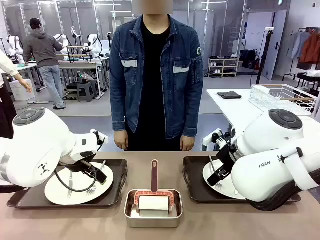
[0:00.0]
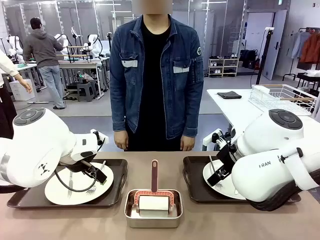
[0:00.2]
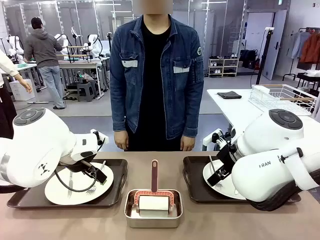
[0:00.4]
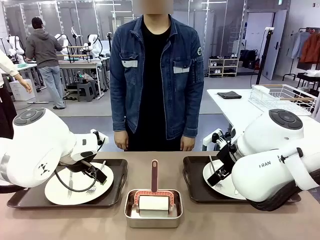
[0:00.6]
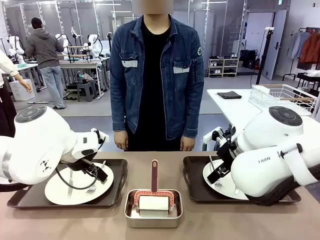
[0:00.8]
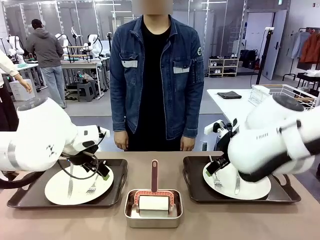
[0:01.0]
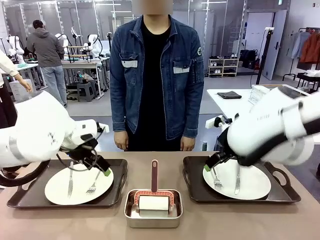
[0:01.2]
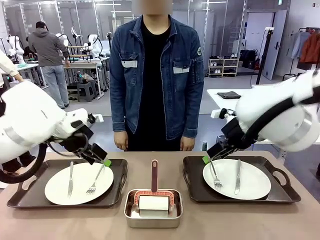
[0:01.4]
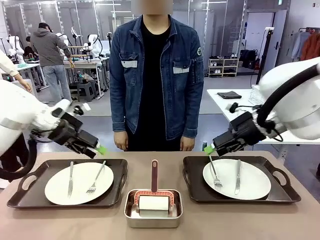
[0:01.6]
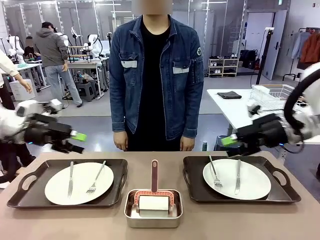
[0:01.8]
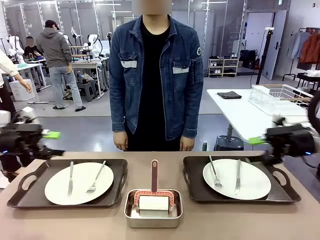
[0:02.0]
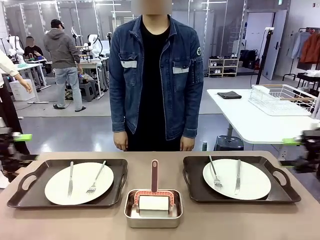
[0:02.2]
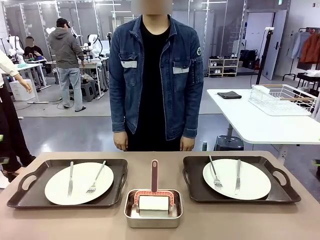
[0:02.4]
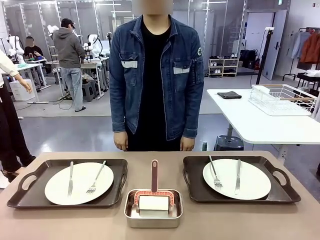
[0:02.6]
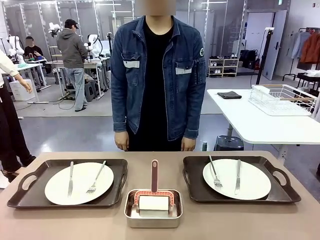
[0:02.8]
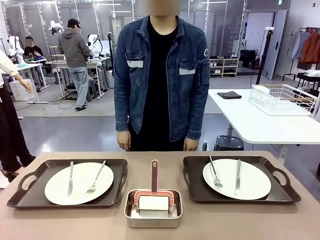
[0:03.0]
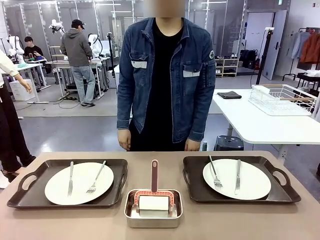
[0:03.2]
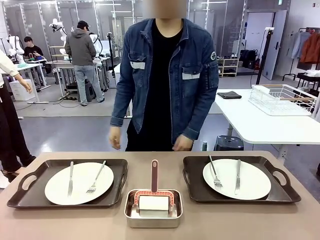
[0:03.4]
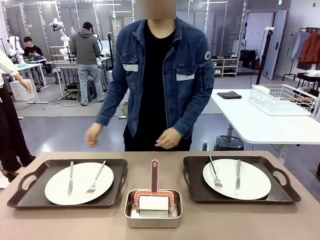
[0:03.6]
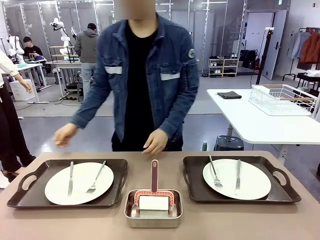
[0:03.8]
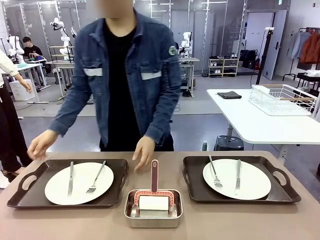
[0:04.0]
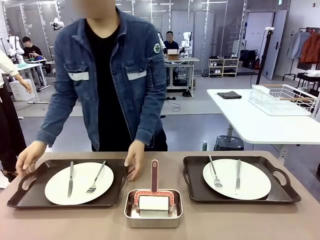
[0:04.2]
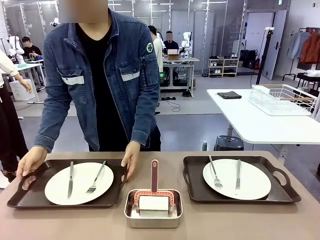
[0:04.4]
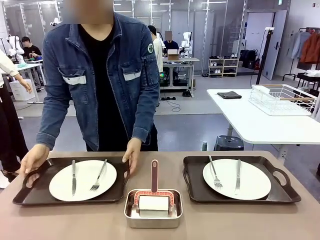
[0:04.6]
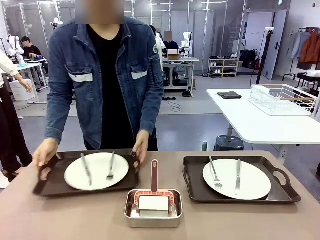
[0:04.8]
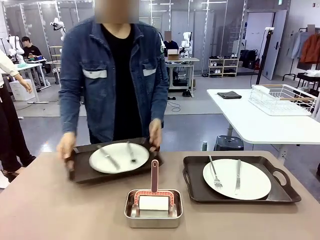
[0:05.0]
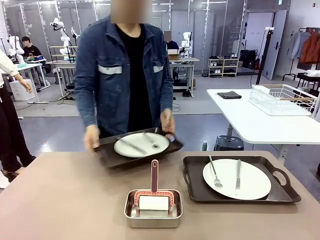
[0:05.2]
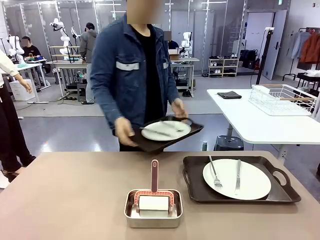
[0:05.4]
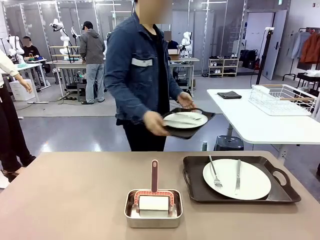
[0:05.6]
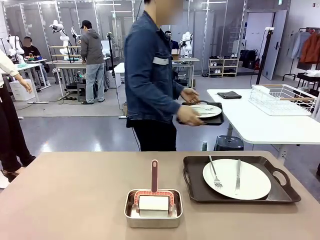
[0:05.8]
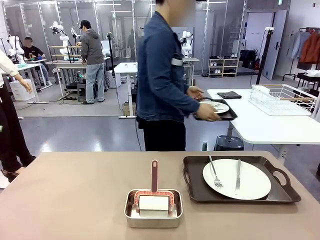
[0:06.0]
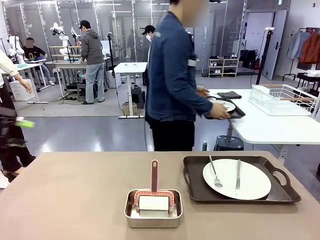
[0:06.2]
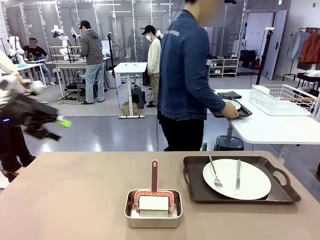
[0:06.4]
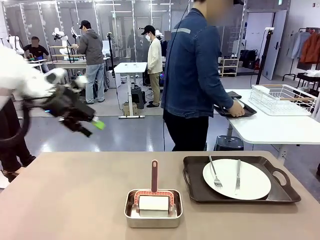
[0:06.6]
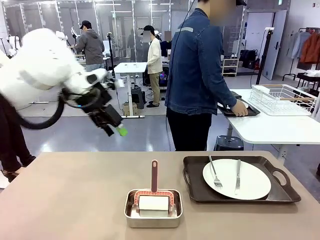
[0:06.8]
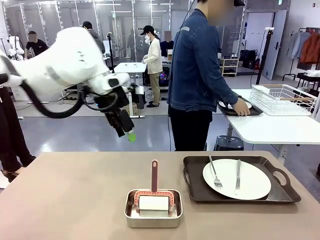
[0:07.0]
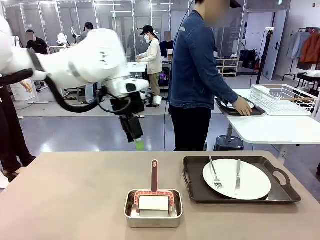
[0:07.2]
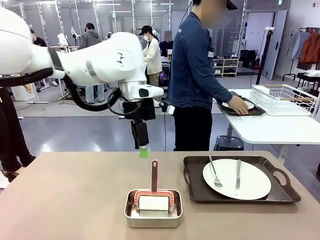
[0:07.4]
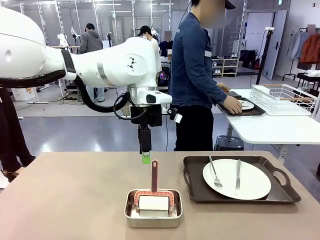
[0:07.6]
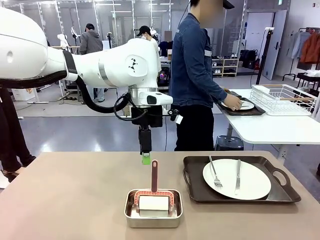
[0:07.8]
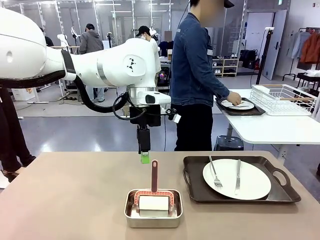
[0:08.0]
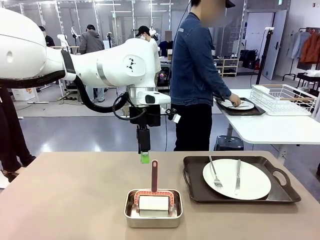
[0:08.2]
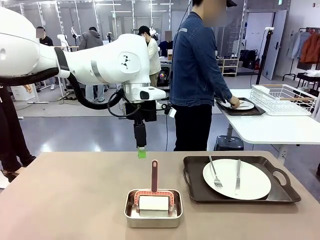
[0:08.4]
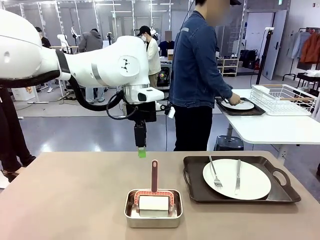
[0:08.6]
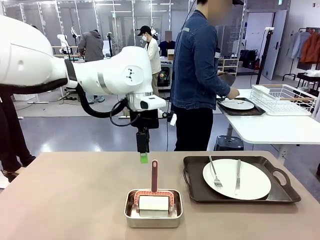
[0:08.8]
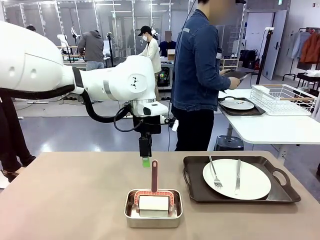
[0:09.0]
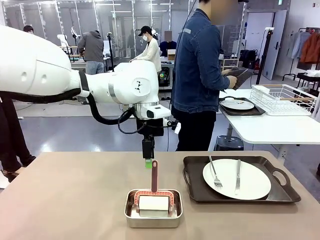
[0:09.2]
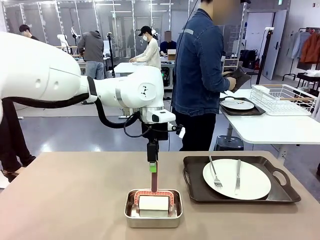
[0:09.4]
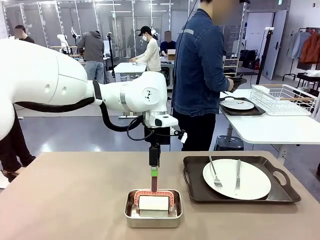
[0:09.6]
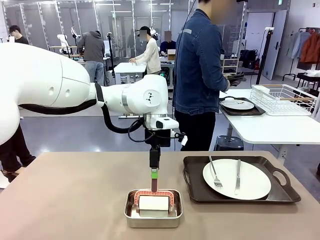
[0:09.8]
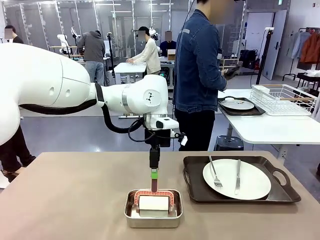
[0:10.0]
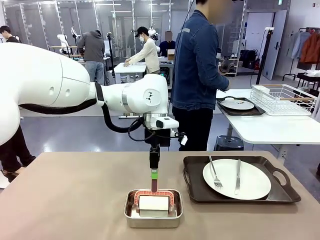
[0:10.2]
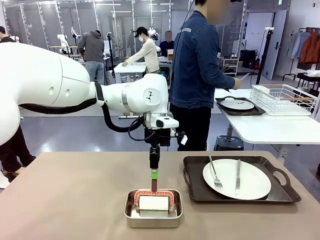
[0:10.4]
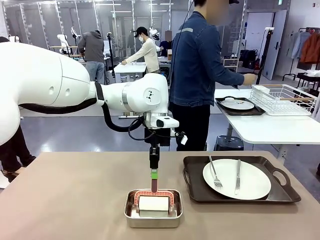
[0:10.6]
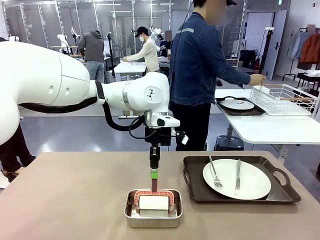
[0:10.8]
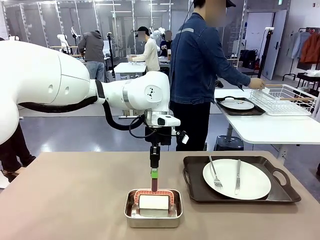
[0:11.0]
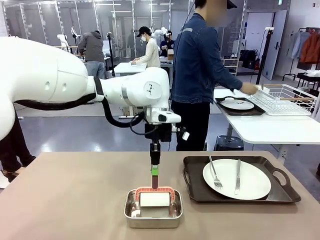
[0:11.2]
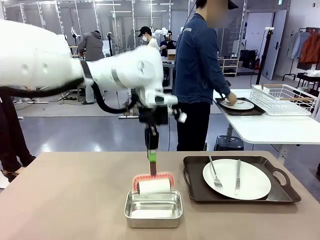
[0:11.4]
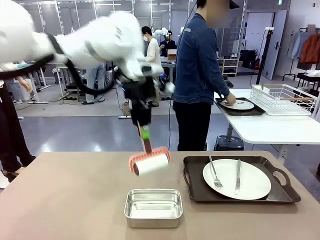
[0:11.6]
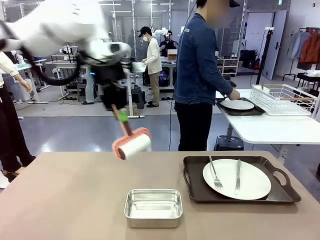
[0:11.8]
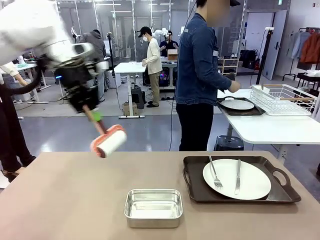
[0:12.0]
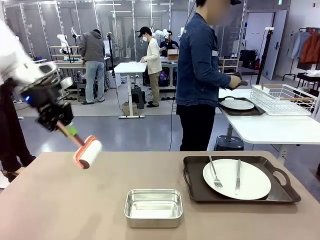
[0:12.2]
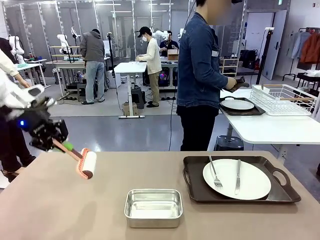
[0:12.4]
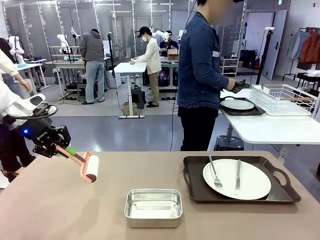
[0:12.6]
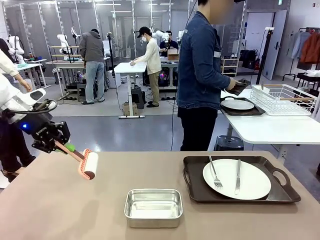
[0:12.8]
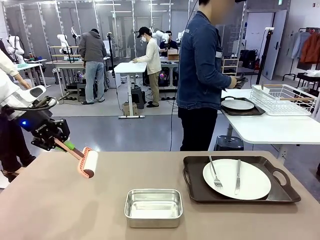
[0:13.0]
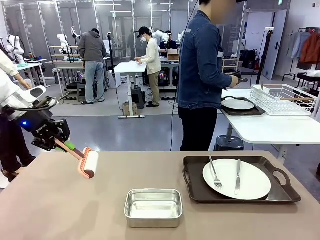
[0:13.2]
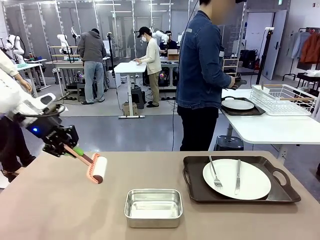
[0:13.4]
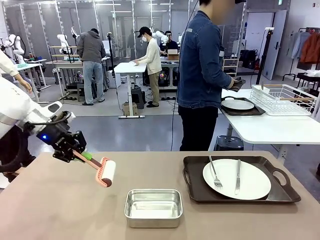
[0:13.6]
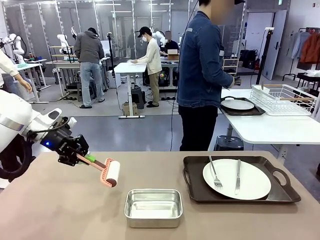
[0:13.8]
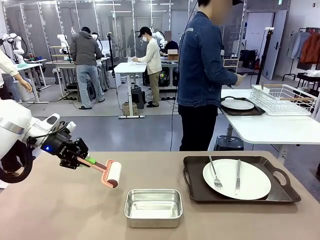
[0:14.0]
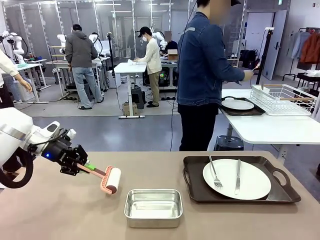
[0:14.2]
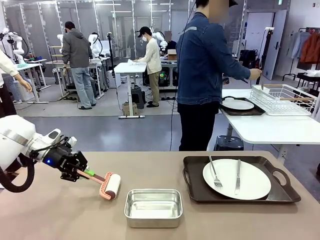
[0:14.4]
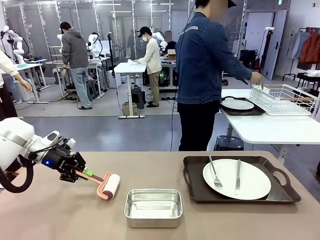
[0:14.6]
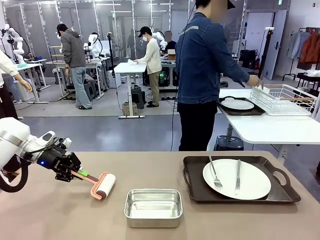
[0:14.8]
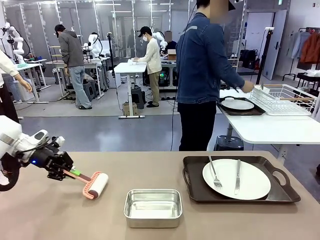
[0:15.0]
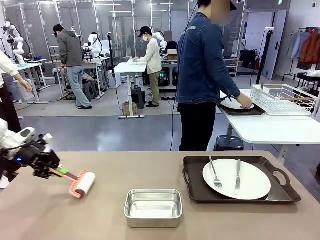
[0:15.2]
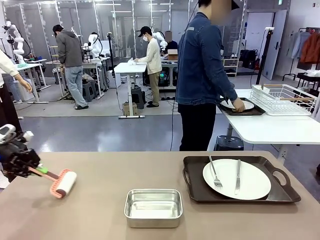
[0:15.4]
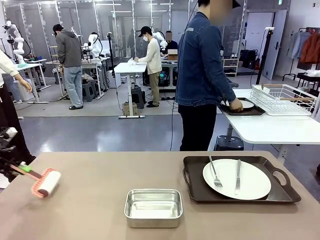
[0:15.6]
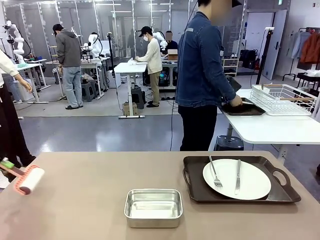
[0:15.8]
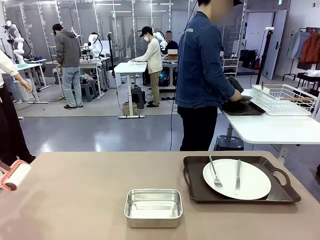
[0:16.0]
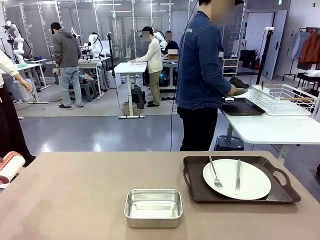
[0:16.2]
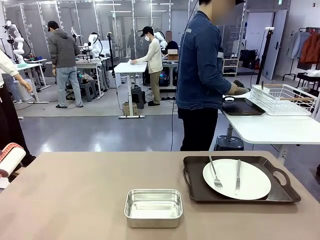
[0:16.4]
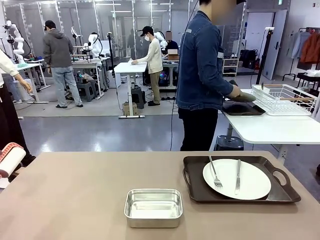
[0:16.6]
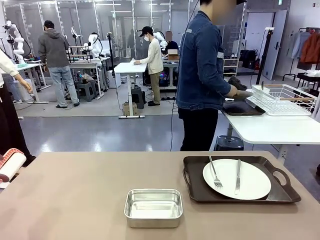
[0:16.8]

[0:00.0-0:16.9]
Robot: When the left (or right) Handle tray is removed, use the left hand (or right hand) to clean the left (or right) side of the table with the Lint Roller.
Person: Pick up the left (or right) Handle tray and place it on the middle of the Human's table. Use the Towel with hook to wipe the Plastic Matte Plate , Fork , and Knife and place into the Dish drying rack.

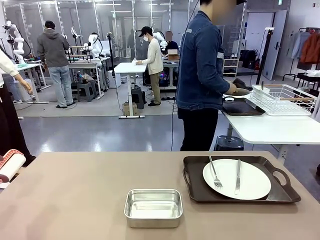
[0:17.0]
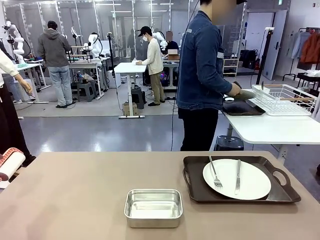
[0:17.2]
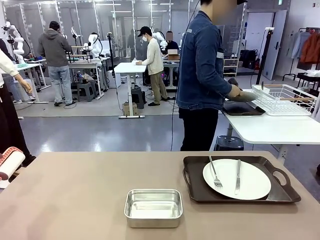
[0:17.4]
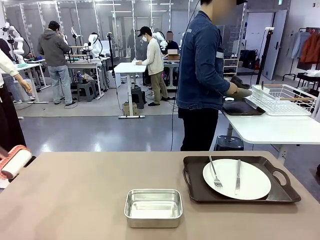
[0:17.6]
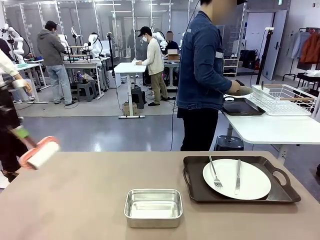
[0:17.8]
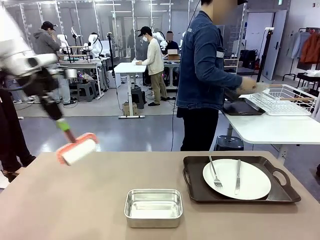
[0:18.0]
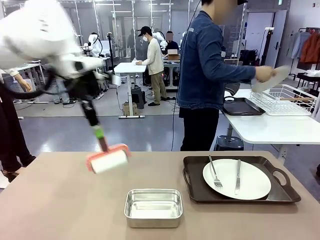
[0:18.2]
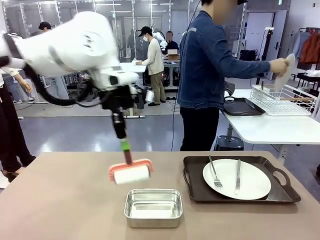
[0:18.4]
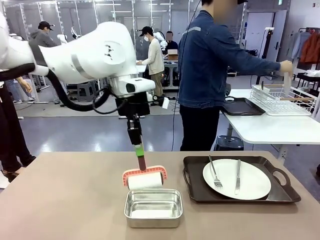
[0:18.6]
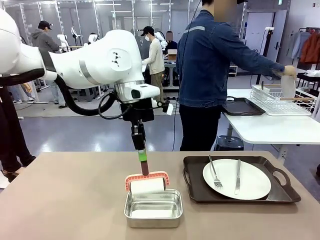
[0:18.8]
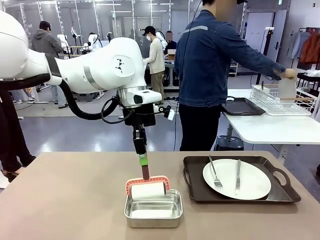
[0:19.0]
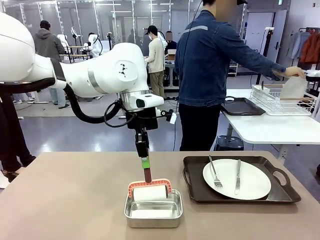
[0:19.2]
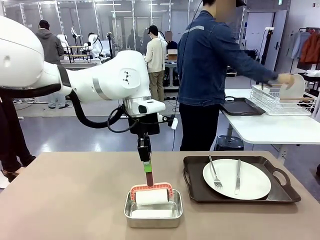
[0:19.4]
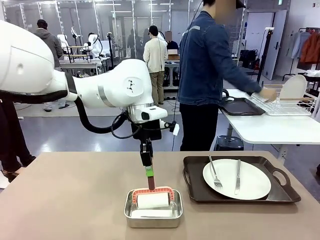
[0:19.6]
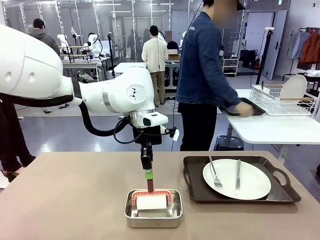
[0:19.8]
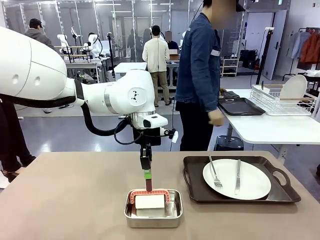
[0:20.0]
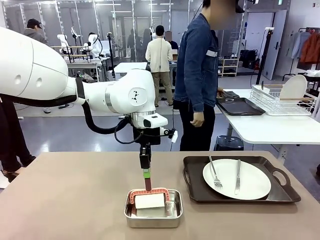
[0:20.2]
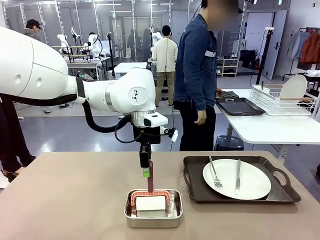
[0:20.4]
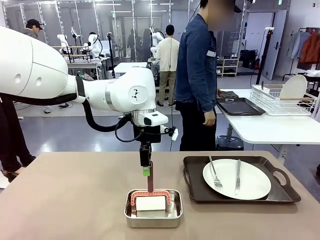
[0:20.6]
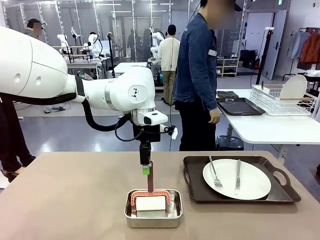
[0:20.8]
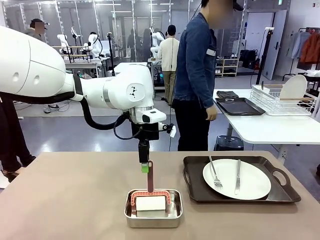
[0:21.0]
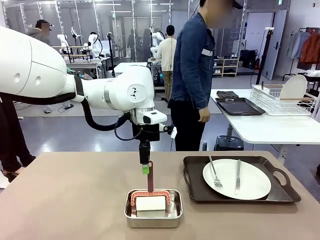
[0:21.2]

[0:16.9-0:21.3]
Robot: Place the Lint Roller back on top of the Airtight Container.
